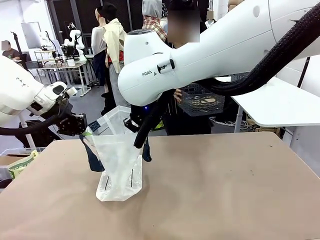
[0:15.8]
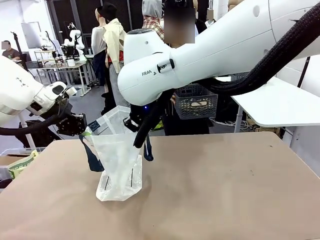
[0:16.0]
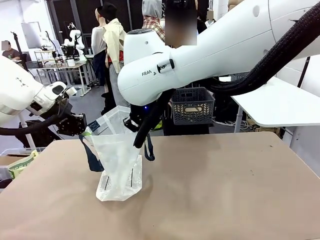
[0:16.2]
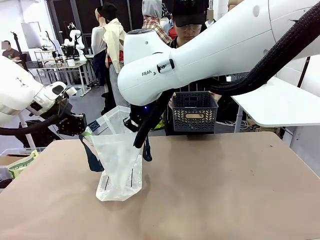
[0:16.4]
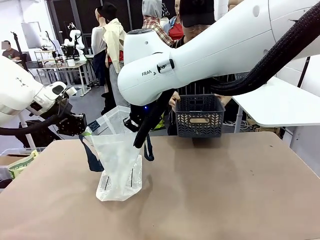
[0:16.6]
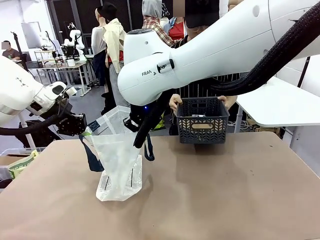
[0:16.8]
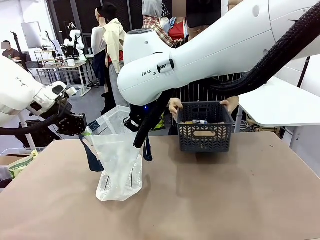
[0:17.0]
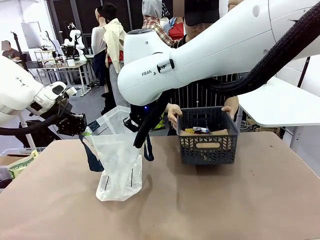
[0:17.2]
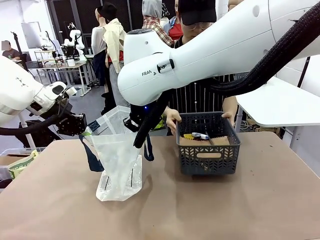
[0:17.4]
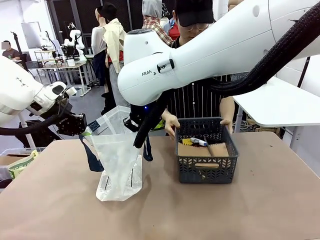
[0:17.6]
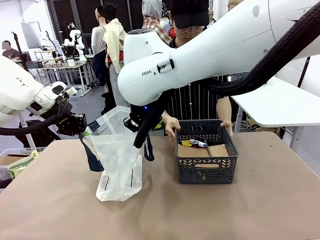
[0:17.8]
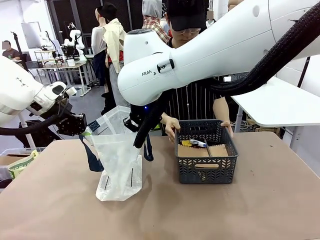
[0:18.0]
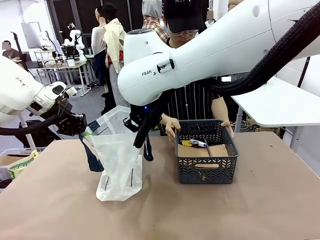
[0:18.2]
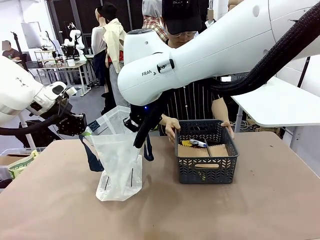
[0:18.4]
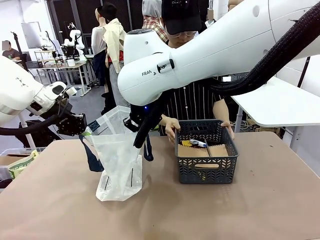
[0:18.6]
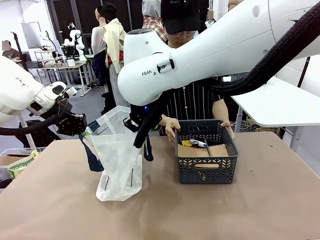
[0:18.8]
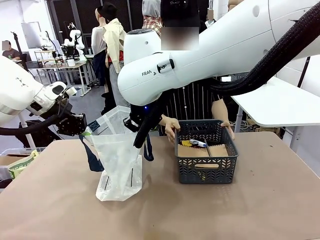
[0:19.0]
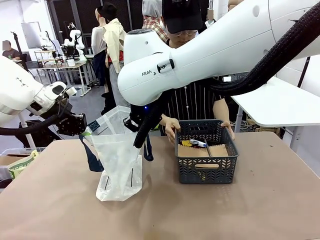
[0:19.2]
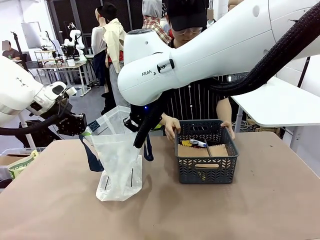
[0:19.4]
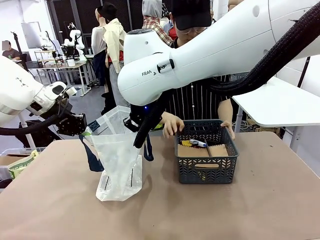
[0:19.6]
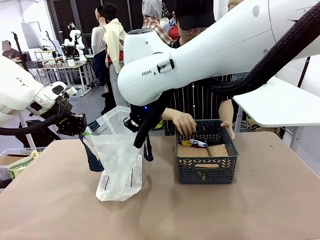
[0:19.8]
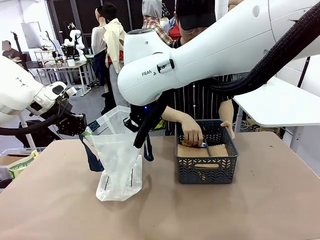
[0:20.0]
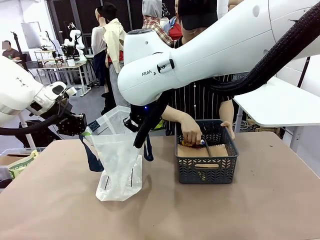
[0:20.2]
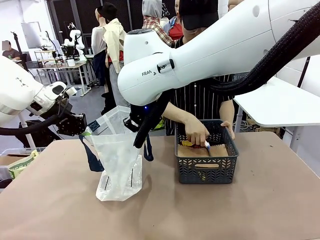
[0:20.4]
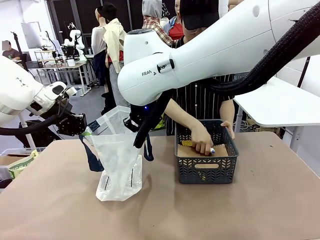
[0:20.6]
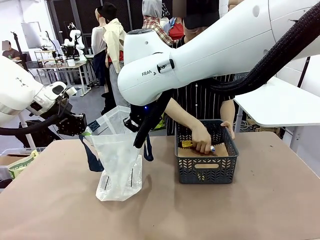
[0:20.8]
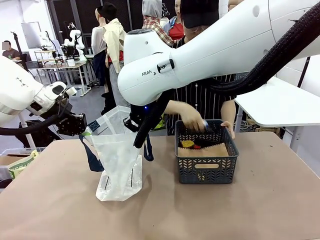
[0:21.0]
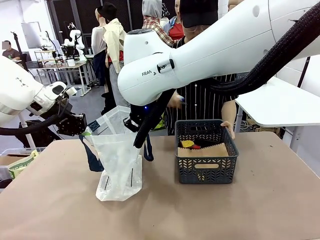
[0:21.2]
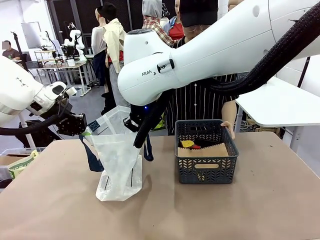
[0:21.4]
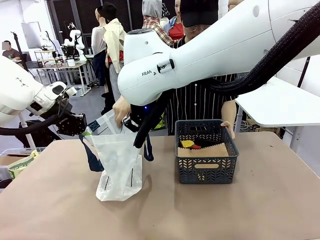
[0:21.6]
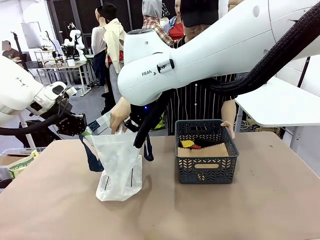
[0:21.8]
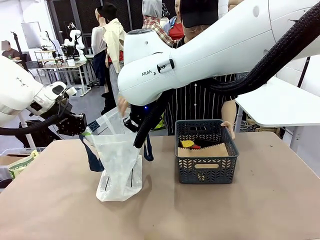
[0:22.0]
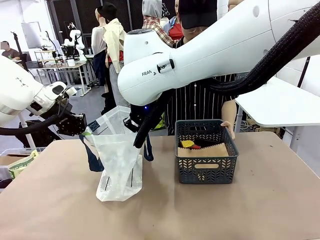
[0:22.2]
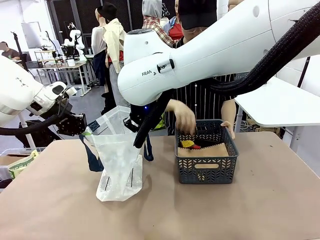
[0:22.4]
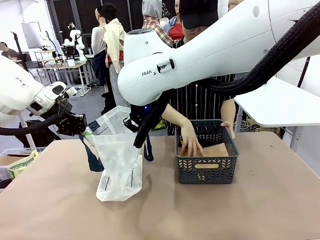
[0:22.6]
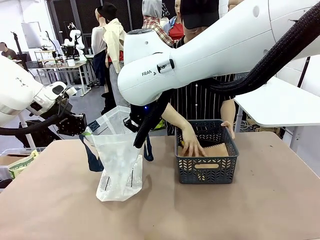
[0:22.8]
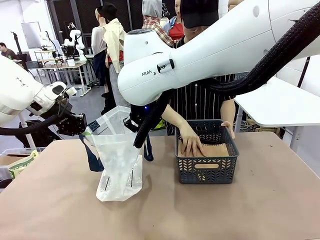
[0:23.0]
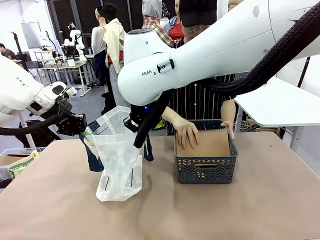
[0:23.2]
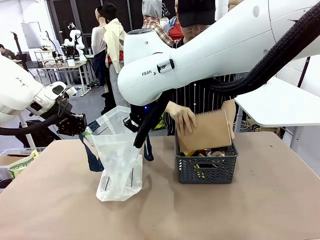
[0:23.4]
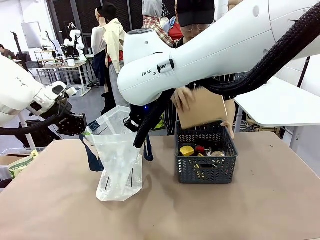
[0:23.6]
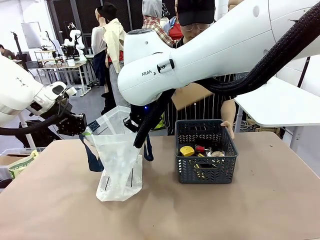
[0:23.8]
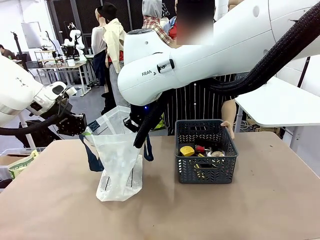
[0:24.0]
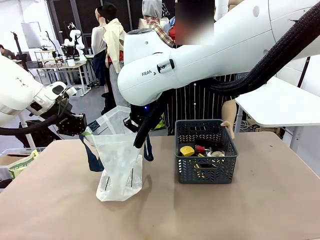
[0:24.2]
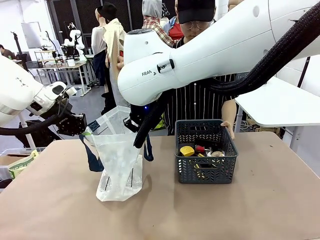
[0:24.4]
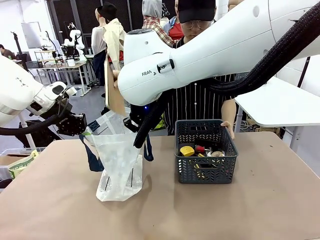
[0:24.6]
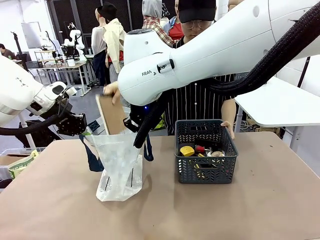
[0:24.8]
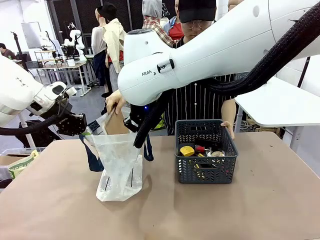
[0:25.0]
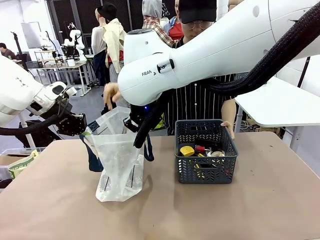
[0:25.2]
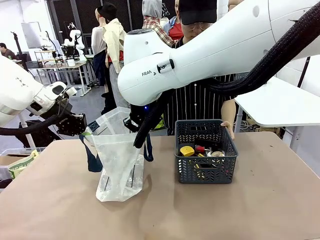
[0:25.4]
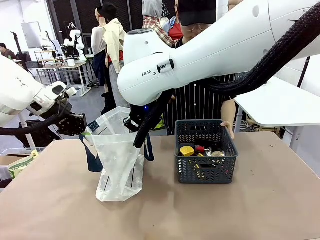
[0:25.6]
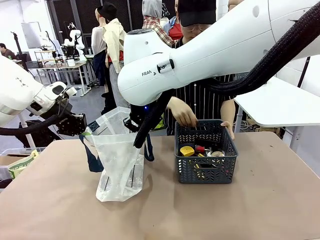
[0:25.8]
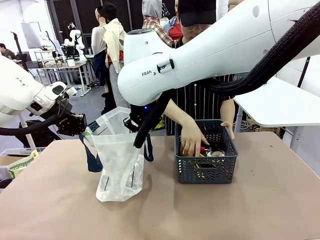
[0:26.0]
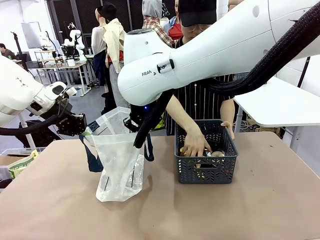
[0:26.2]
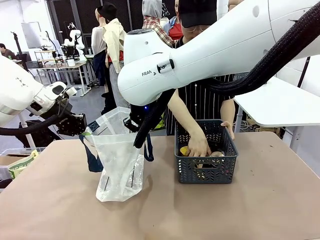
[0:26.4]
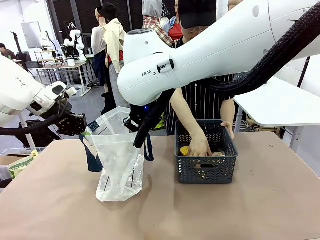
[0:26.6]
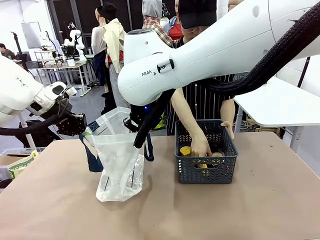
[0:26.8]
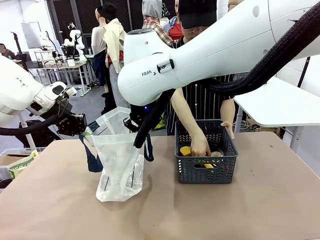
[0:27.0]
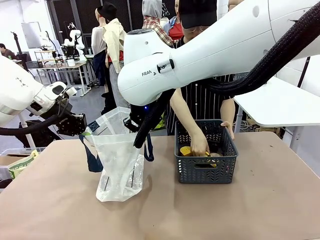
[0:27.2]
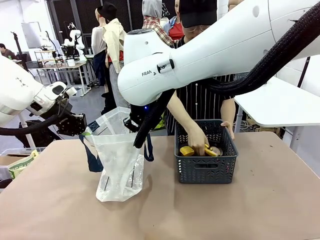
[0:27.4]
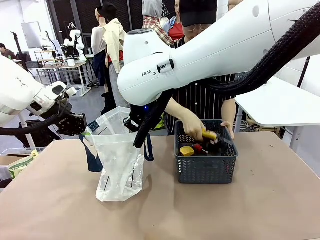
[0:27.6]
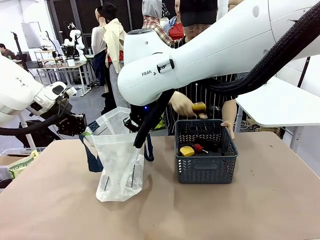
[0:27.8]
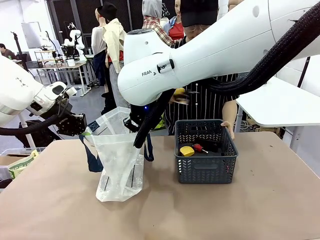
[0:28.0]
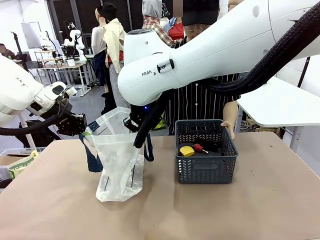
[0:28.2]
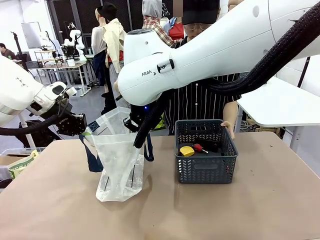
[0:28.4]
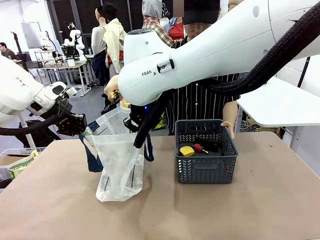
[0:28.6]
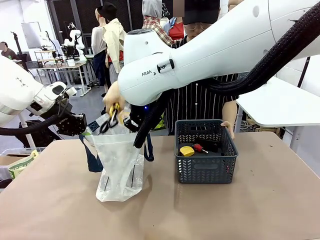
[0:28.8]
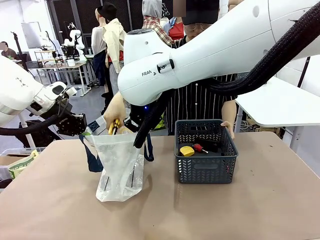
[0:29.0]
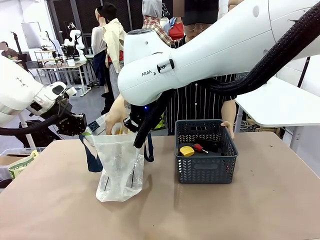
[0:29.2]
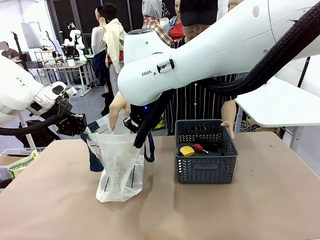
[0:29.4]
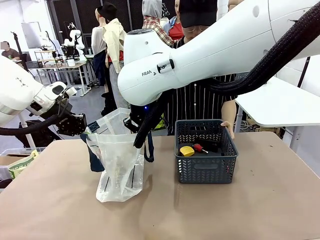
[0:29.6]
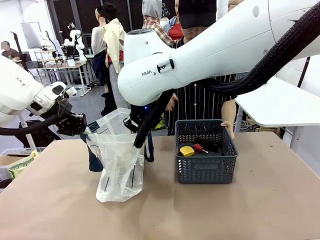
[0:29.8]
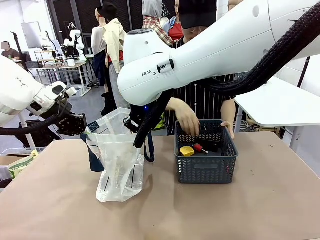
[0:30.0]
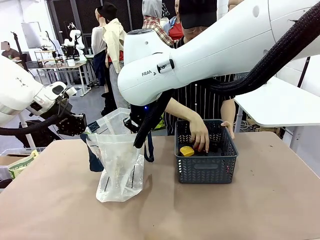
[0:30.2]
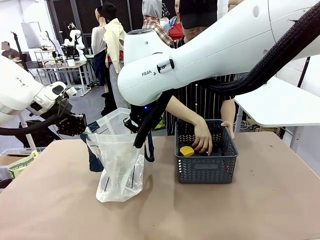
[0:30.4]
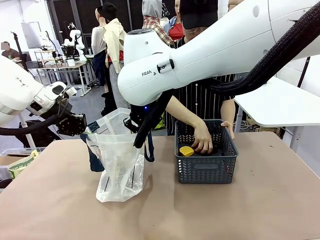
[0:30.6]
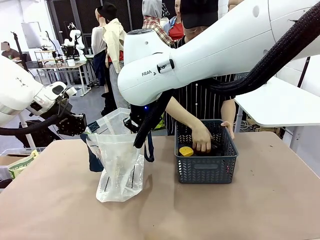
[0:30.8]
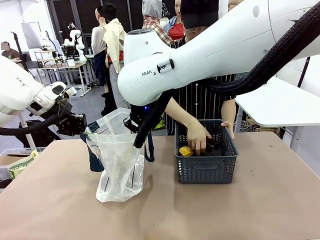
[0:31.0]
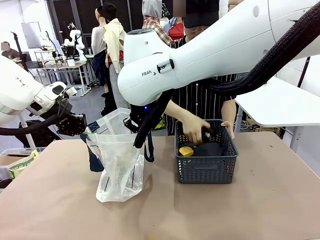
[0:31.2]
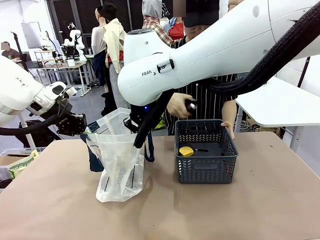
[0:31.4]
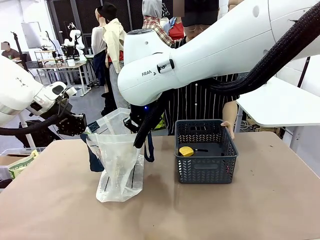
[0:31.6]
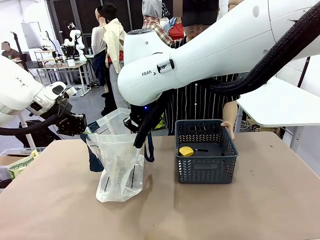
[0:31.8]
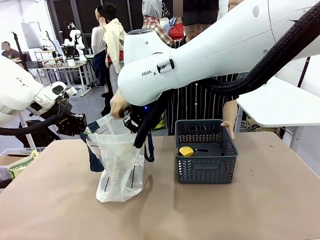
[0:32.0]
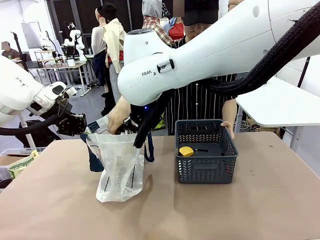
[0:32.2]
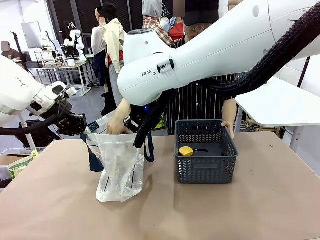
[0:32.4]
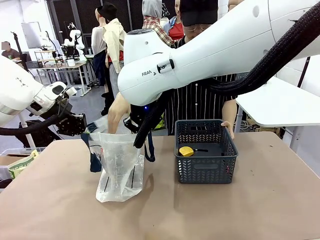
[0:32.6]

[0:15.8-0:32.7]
Task: Transfer purchased items from the store into the shopping bag.
Robot: Move the Reusable shopping bag to the right side of the table.
Person: Pick up the basket with the items out and place it on the right side of the human table.
